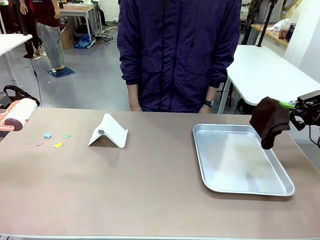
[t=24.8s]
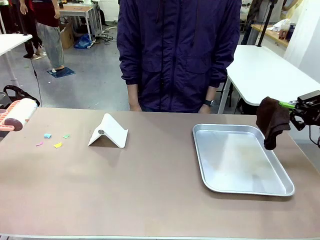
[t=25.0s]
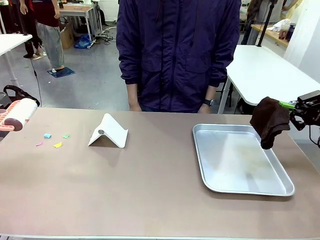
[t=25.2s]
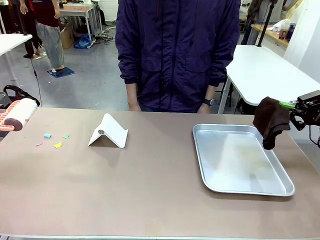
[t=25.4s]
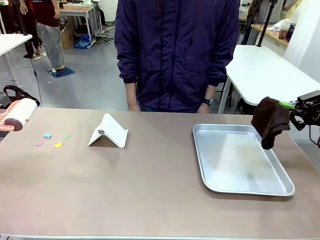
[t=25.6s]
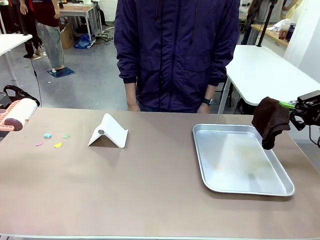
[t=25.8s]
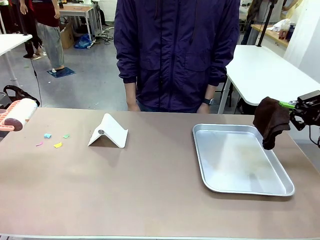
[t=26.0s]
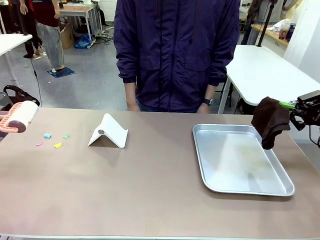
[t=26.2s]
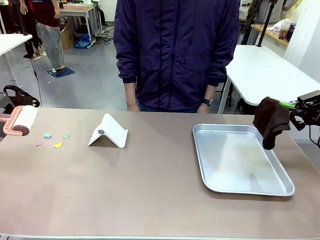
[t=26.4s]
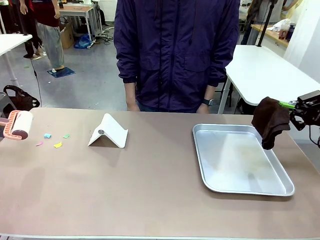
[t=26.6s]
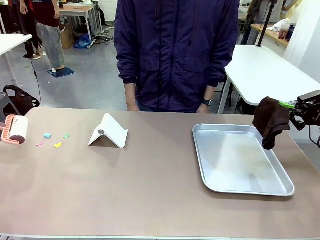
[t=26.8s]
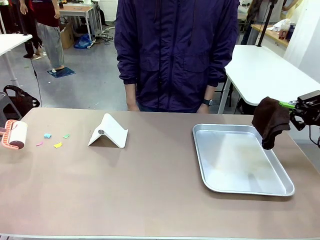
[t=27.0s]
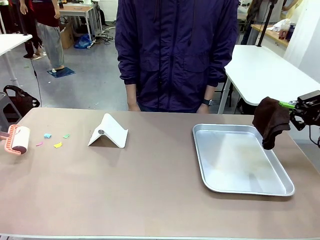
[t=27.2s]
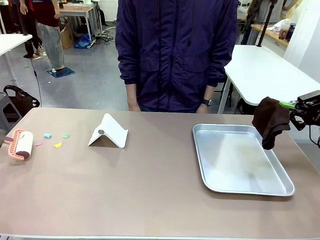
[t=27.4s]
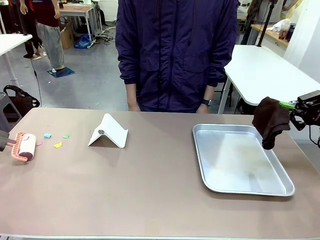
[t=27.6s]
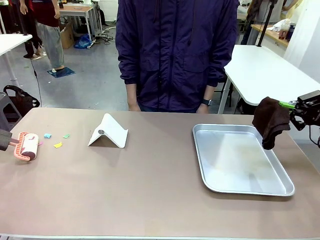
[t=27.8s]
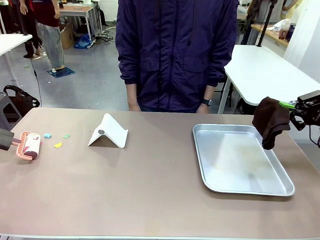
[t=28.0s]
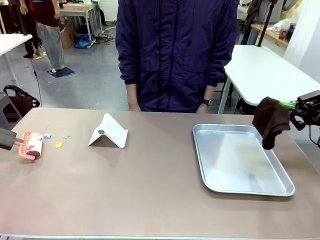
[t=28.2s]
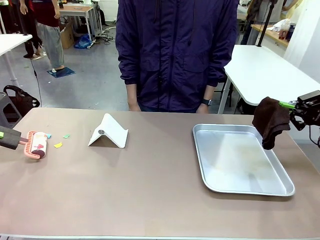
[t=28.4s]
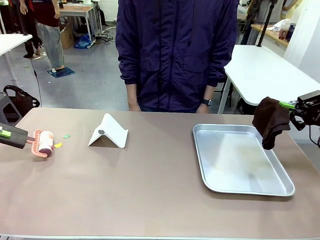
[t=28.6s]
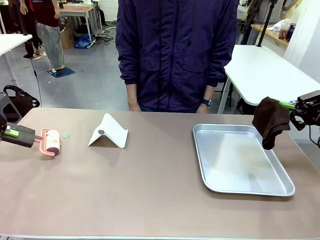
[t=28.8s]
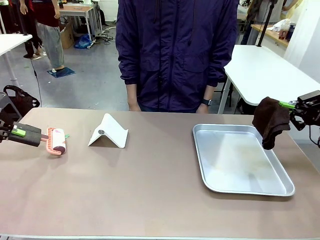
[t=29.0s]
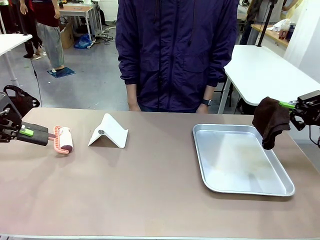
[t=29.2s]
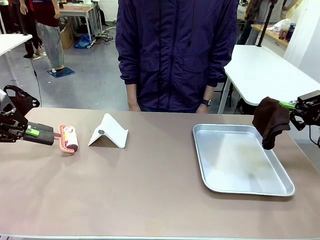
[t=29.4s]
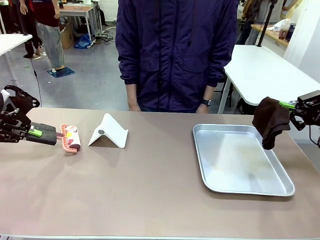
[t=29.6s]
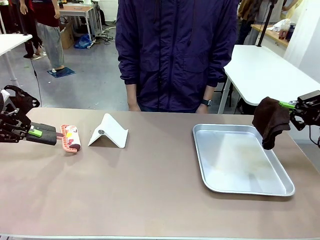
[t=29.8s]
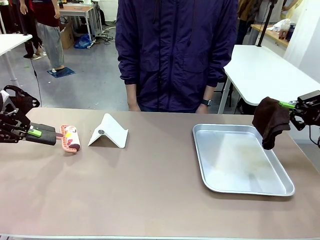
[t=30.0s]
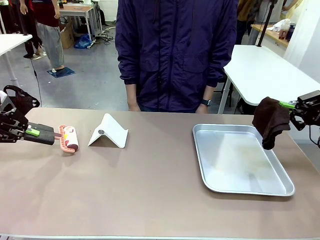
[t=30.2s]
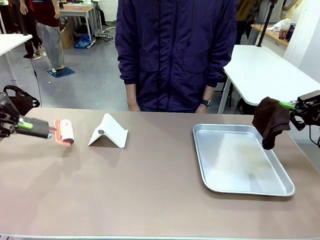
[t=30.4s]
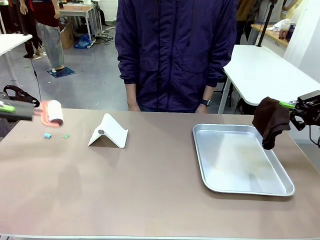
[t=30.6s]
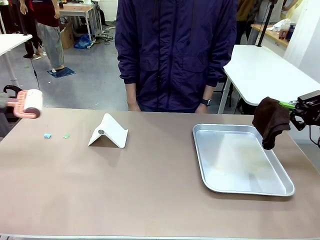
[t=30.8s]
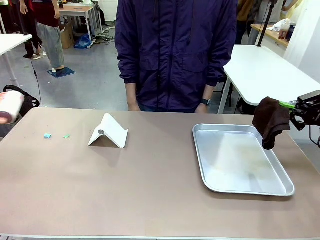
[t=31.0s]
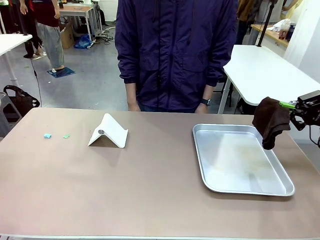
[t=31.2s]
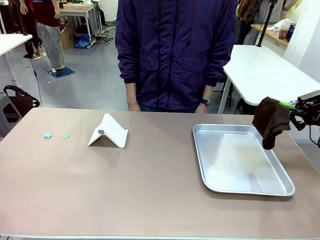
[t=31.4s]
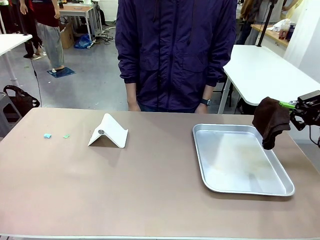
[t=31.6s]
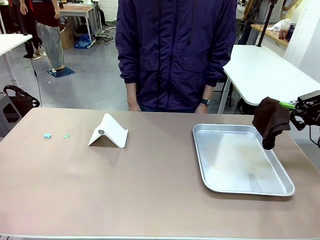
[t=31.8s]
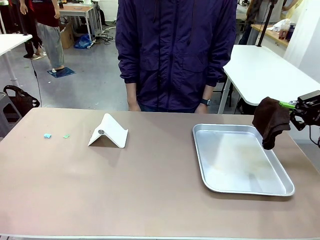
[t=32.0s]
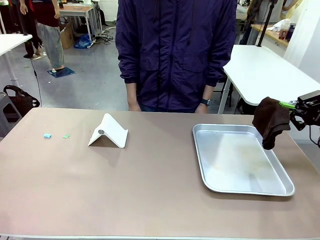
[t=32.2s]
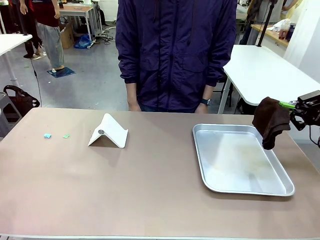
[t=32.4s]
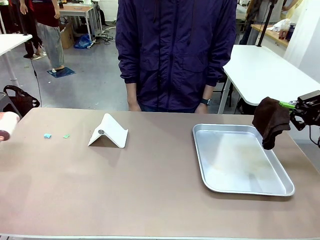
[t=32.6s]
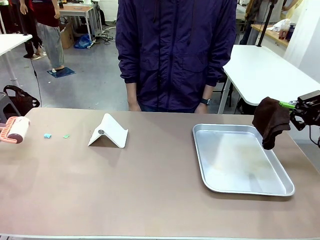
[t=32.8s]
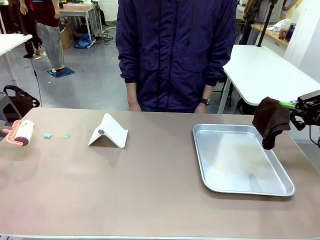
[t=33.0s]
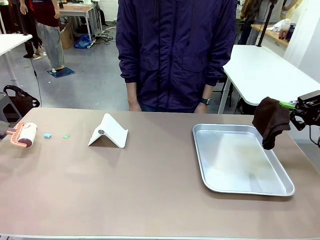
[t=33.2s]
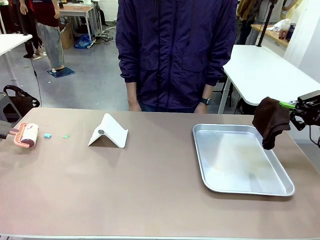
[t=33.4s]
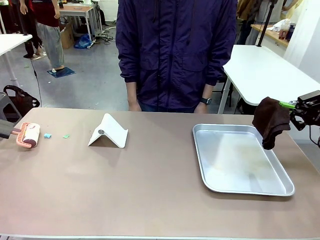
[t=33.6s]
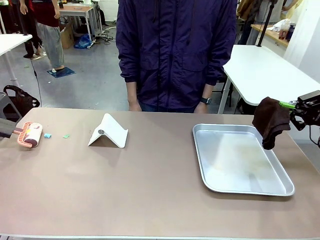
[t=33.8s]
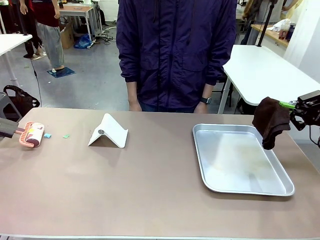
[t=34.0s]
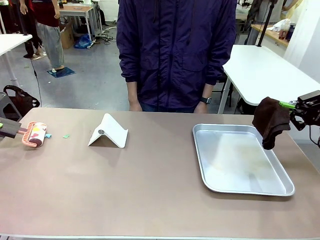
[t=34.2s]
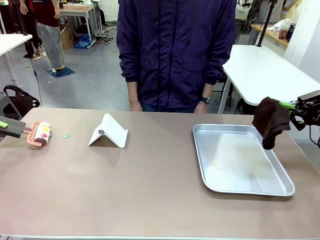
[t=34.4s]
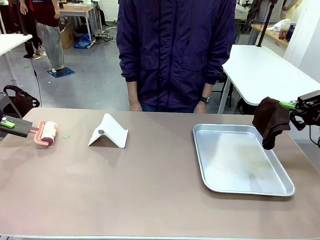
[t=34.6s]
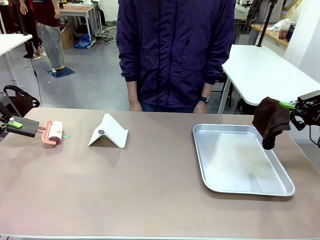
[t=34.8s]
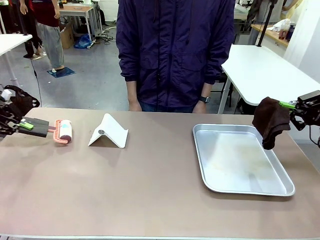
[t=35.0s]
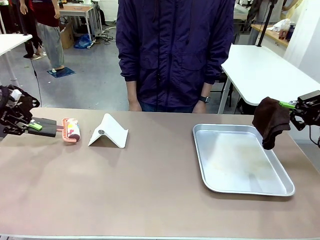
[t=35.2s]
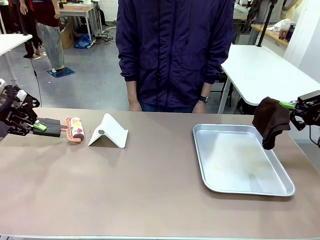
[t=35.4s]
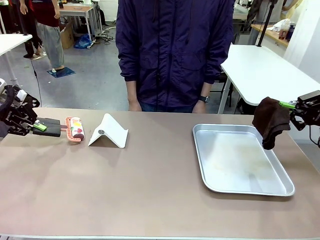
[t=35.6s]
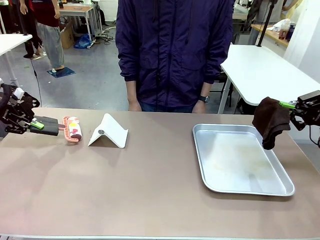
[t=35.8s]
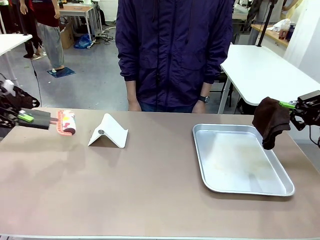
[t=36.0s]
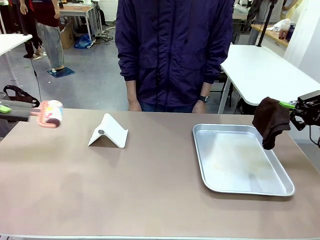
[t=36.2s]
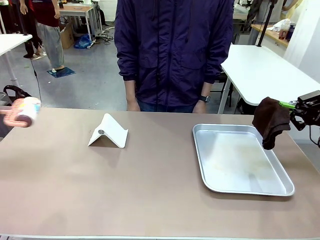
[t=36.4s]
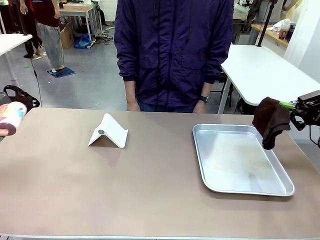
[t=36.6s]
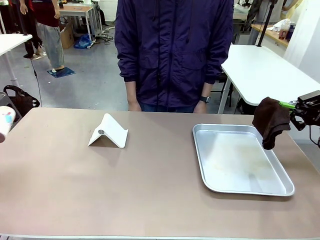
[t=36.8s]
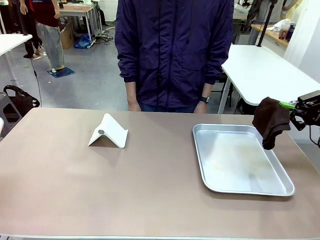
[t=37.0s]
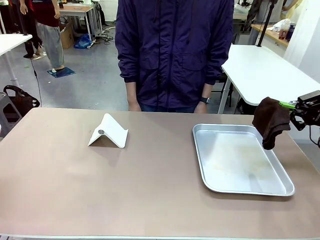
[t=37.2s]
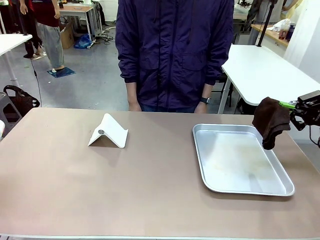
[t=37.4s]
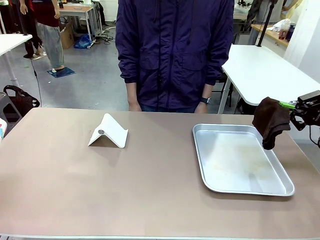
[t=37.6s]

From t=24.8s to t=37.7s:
Task: Clean the surface of the table.
Robot: Clean the area not pointed to by the person.

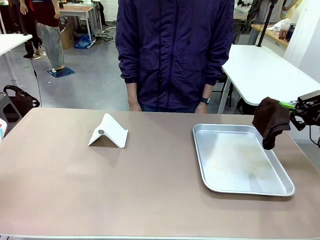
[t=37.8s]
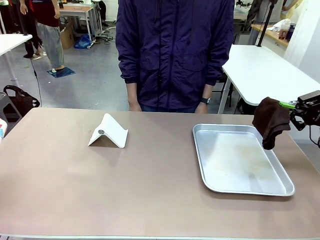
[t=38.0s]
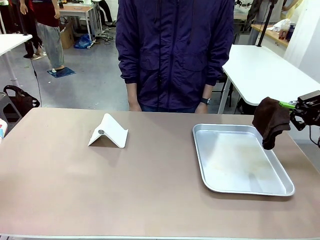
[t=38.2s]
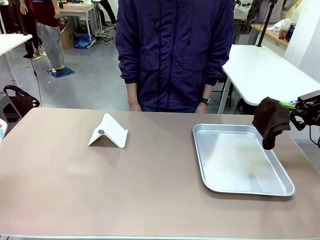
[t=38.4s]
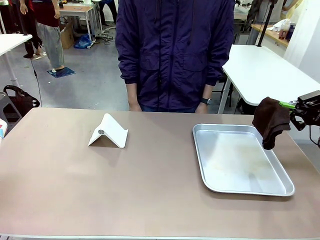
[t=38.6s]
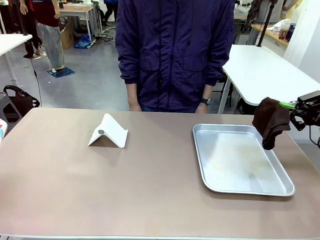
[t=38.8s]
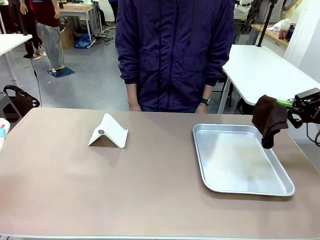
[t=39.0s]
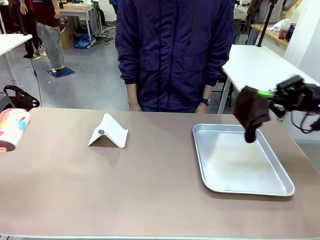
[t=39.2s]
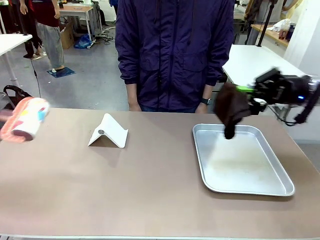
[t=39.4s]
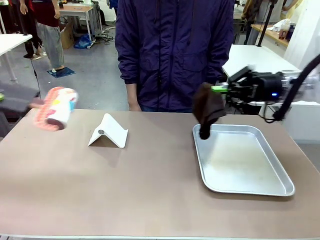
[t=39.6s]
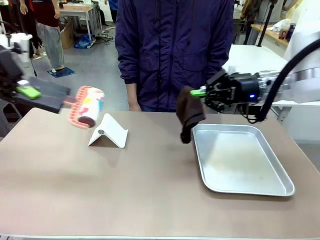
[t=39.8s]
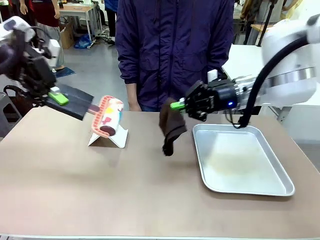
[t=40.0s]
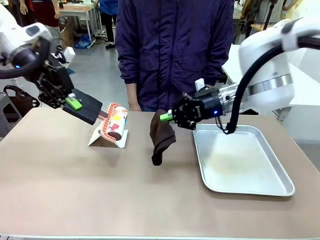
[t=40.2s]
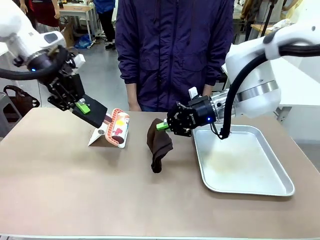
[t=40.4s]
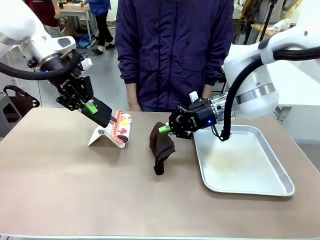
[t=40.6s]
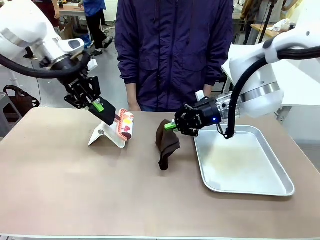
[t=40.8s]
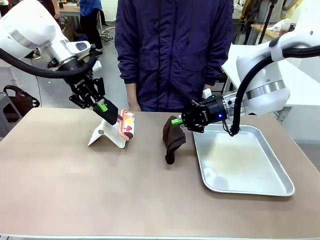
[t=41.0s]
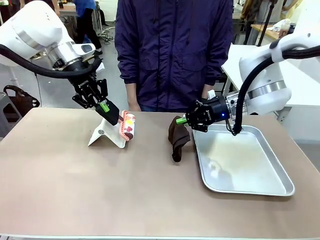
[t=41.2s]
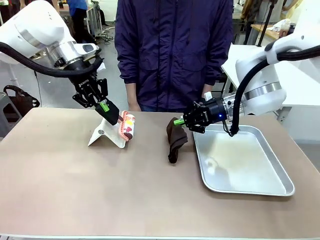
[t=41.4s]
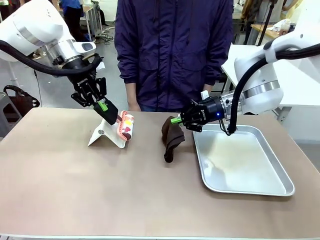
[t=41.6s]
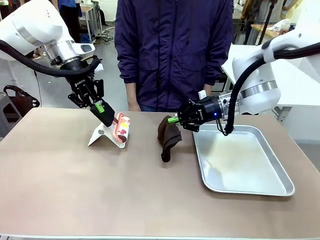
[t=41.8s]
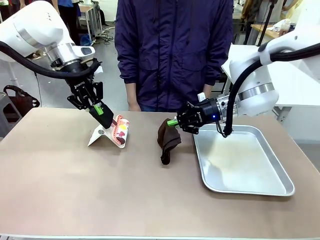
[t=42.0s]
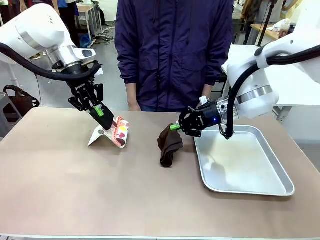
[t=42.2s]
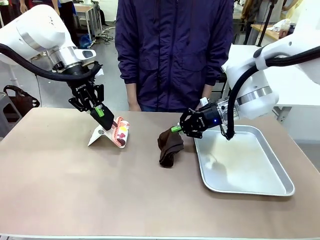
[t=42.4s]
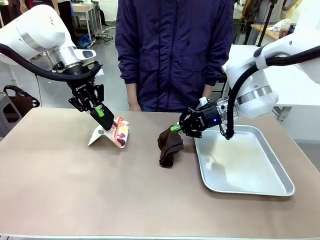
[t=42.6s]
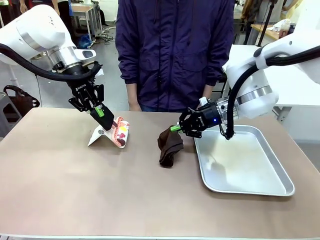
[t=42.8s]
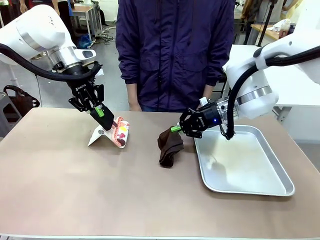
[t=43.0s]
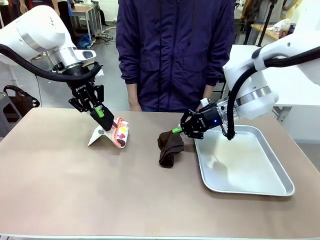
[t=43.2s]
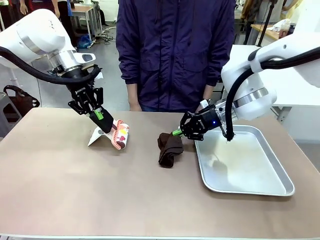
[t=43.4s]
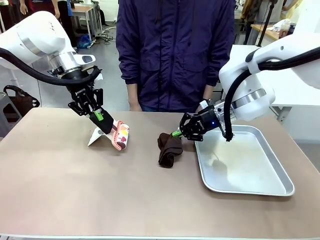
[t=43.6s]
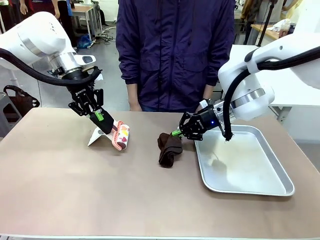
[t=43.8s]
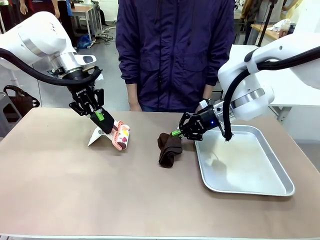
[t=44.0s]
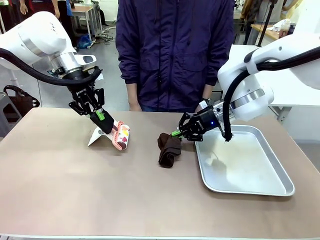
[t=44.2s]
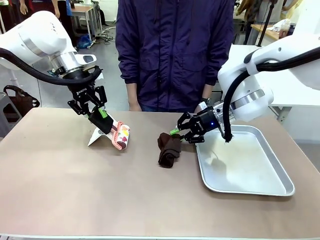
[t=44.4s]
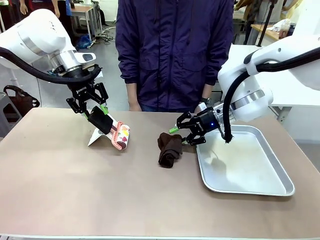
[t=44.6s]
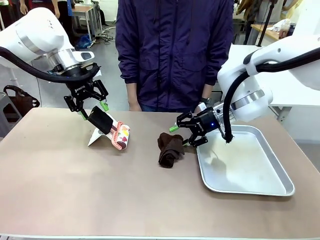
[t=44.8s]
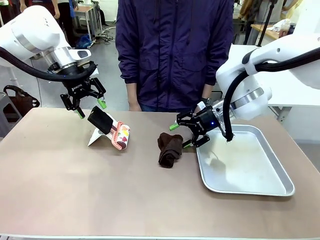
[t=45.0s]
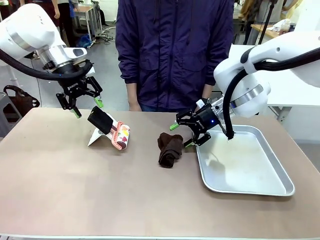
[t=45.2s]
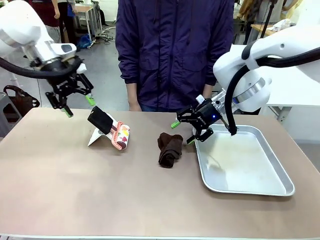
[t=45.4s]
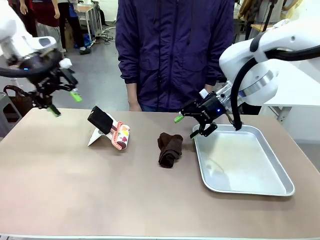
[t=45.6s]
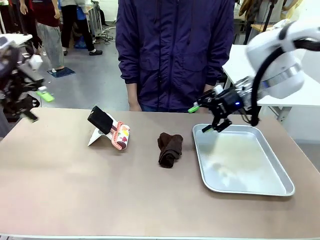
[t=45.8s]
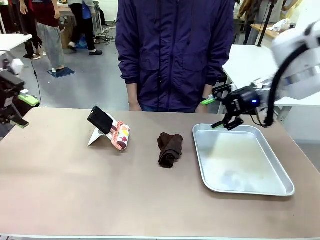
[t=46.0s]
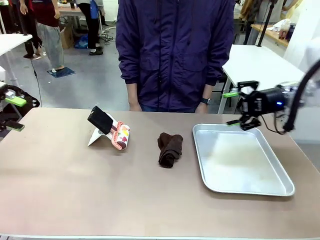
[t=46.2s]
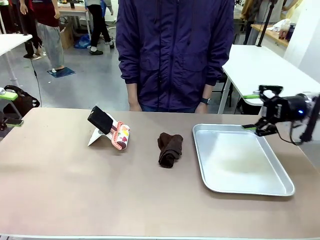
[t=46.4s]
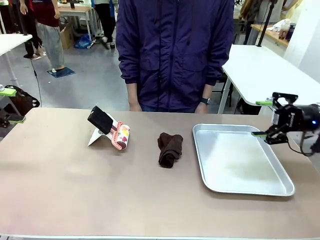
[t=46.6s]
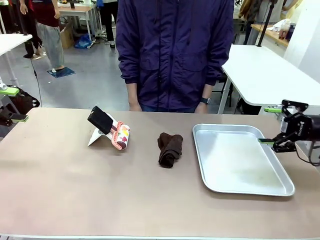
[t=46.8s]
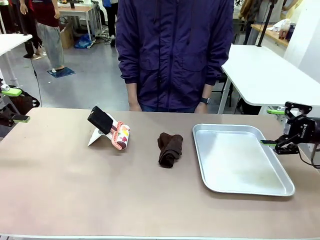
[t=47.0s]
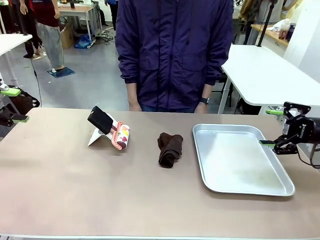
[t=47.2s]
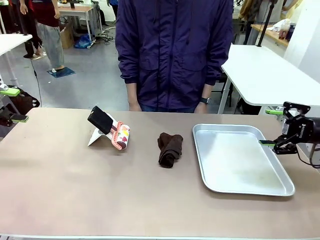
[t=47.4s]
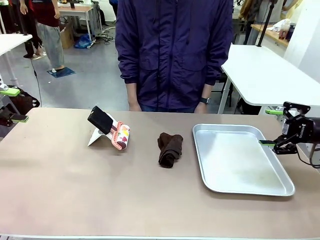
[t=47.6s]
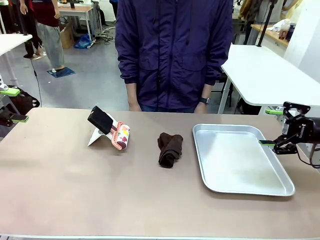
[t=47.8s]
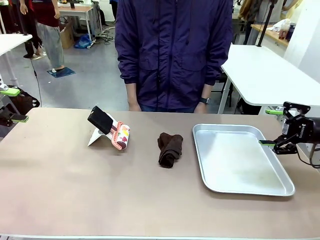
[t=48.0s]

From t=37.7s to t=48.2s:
Robot: Return the Lint Roller and towel to their original positions.
